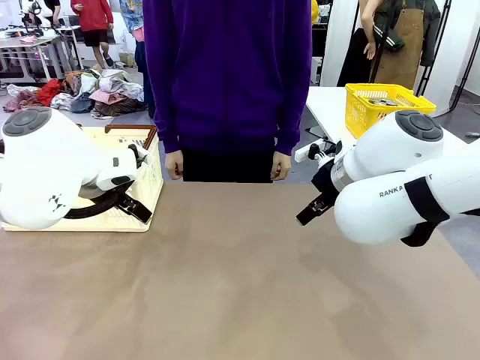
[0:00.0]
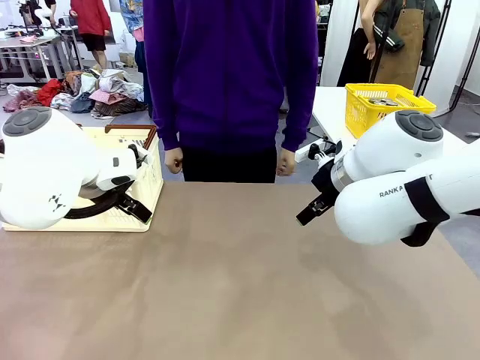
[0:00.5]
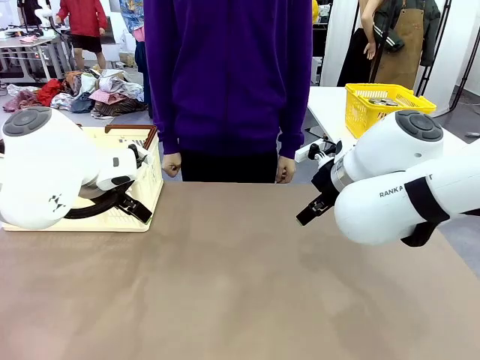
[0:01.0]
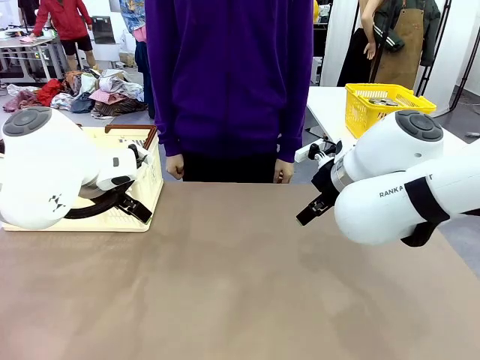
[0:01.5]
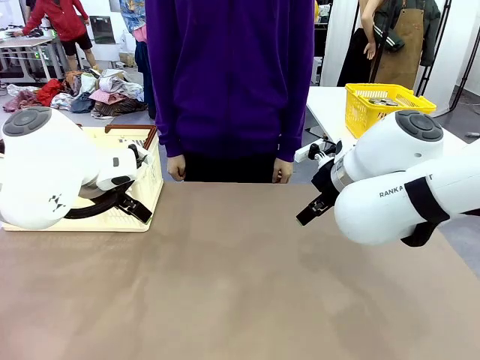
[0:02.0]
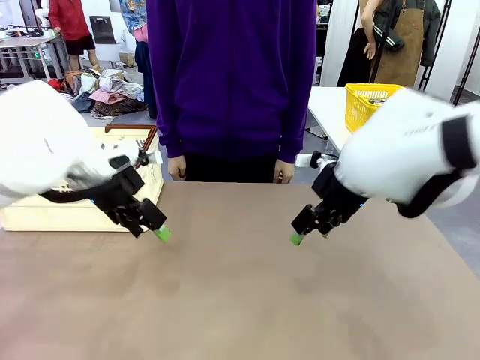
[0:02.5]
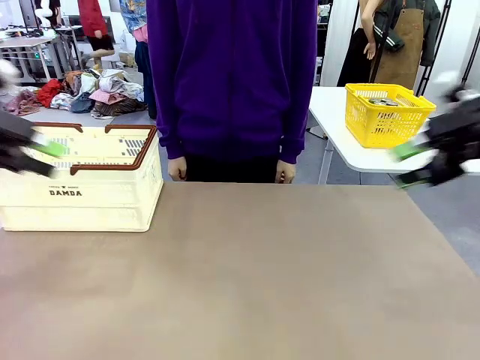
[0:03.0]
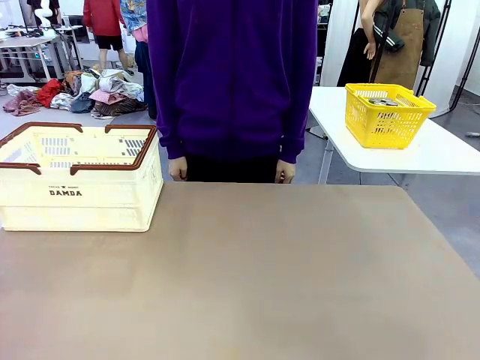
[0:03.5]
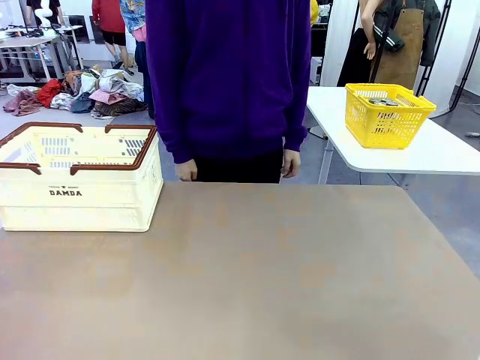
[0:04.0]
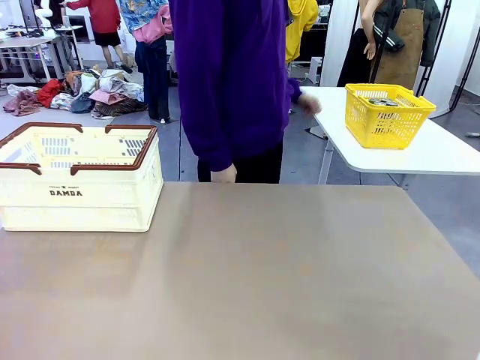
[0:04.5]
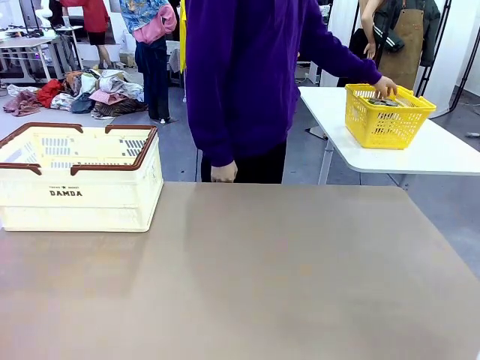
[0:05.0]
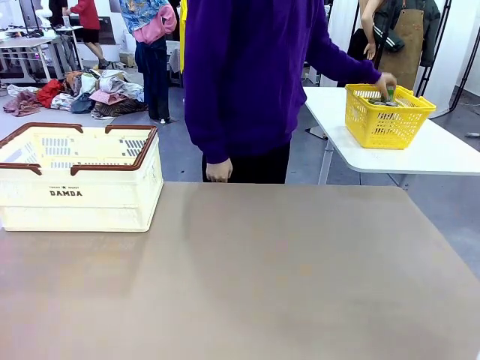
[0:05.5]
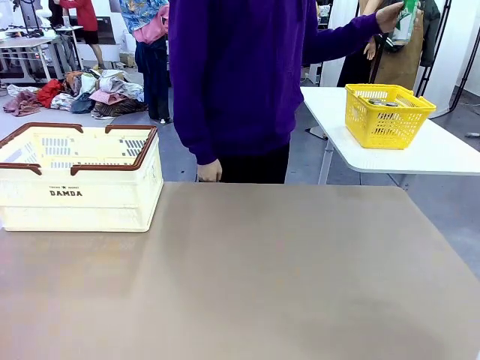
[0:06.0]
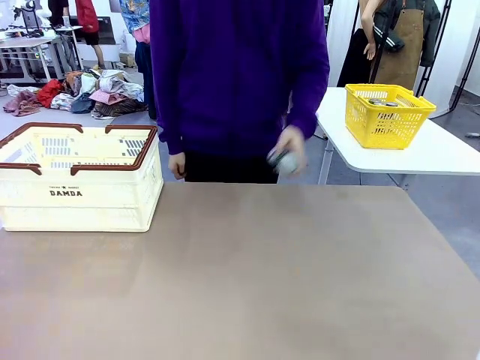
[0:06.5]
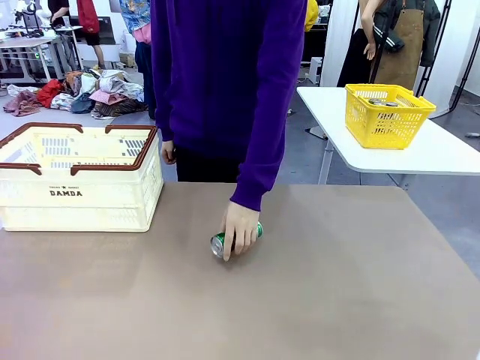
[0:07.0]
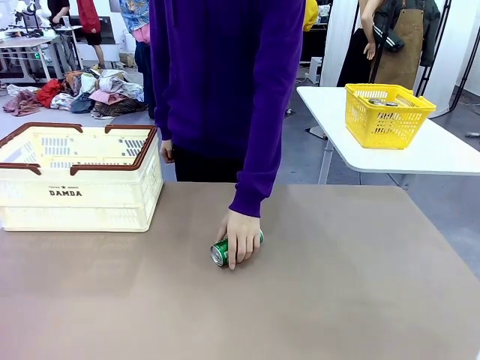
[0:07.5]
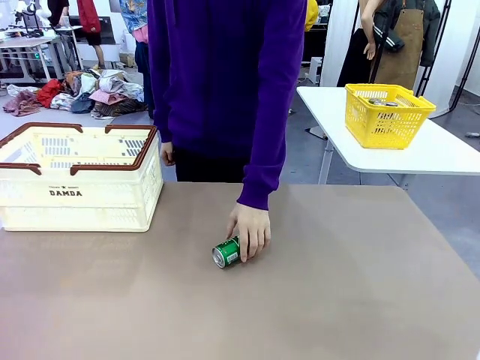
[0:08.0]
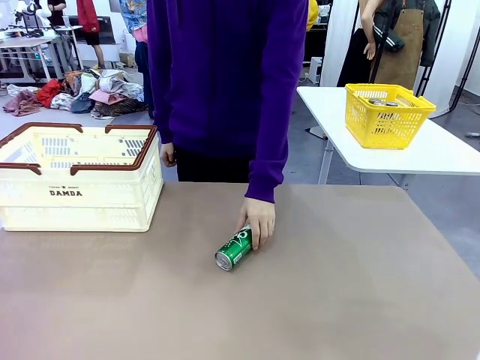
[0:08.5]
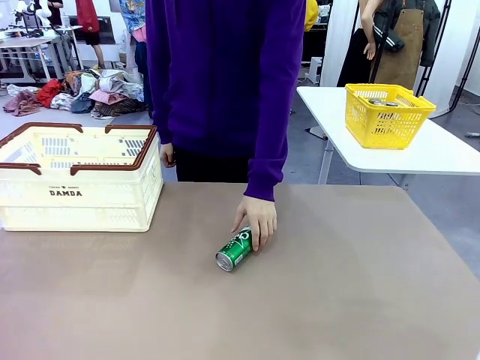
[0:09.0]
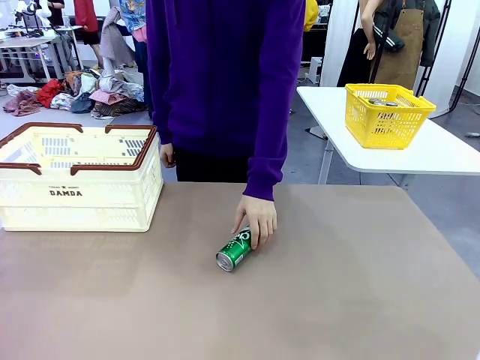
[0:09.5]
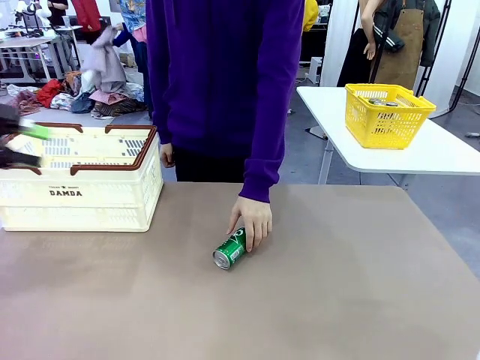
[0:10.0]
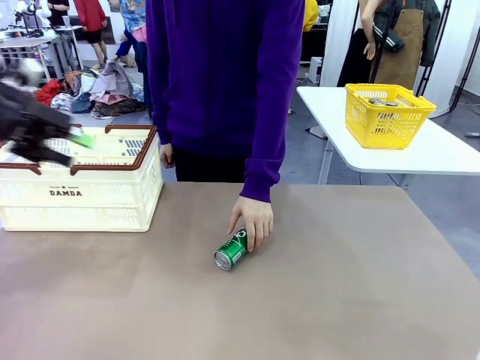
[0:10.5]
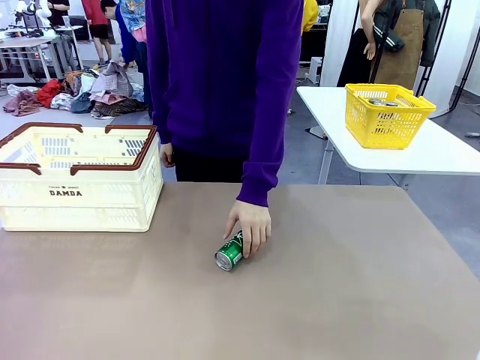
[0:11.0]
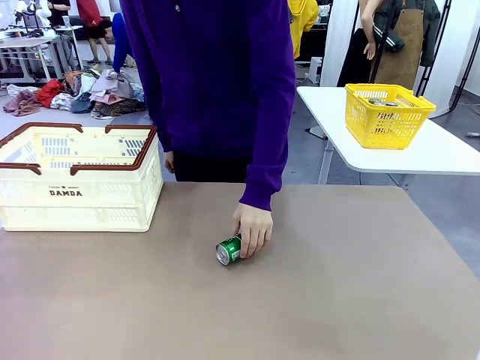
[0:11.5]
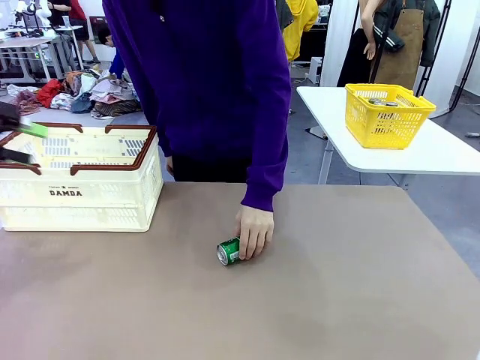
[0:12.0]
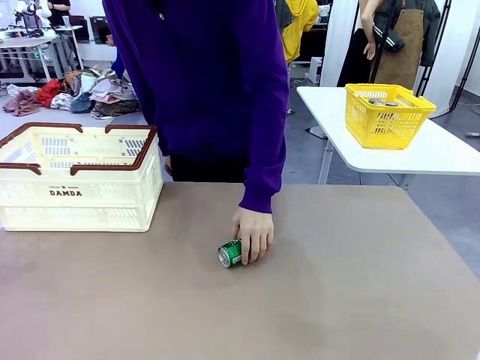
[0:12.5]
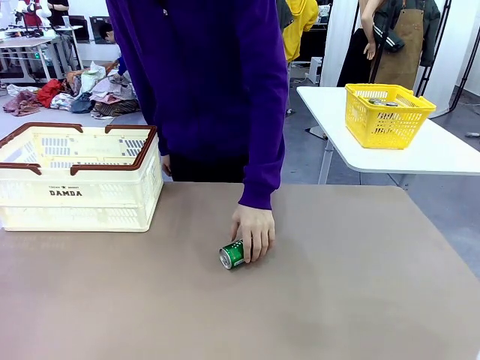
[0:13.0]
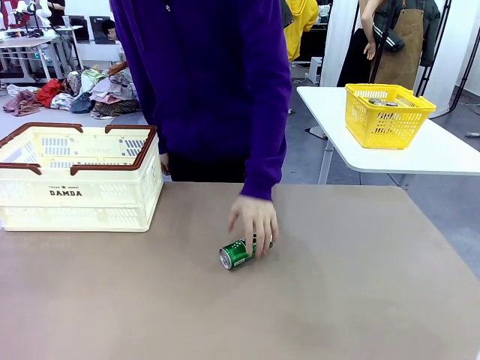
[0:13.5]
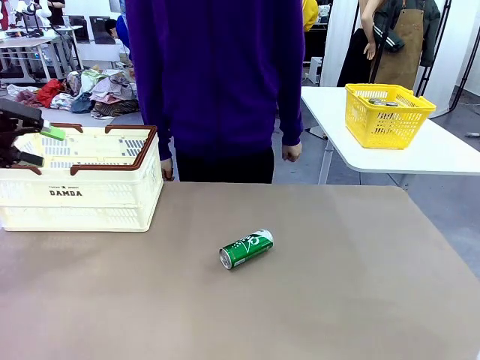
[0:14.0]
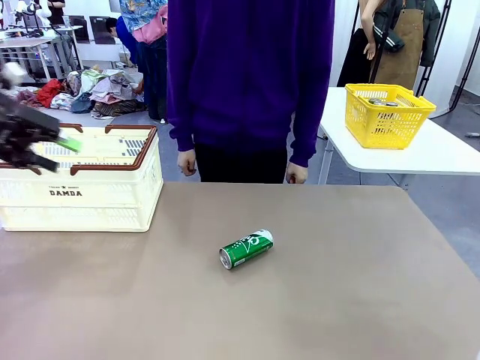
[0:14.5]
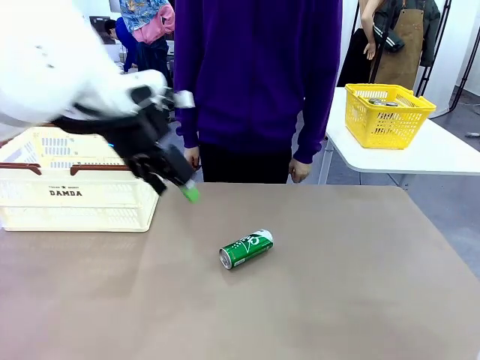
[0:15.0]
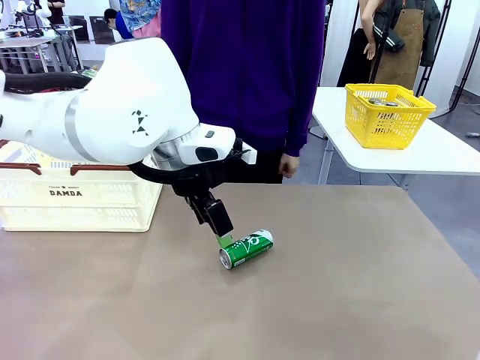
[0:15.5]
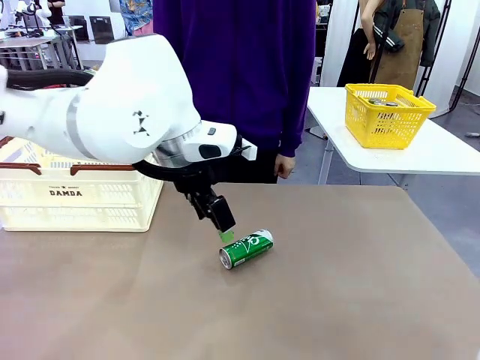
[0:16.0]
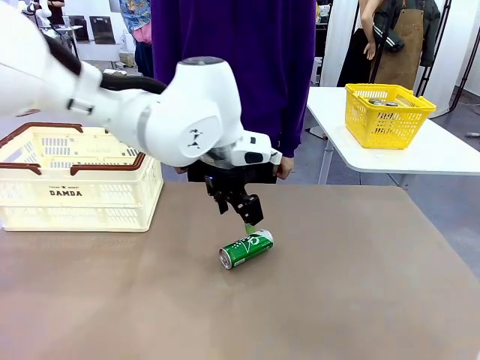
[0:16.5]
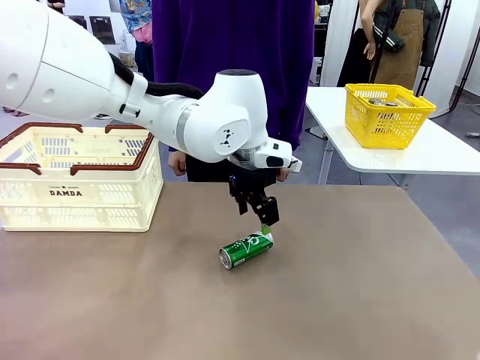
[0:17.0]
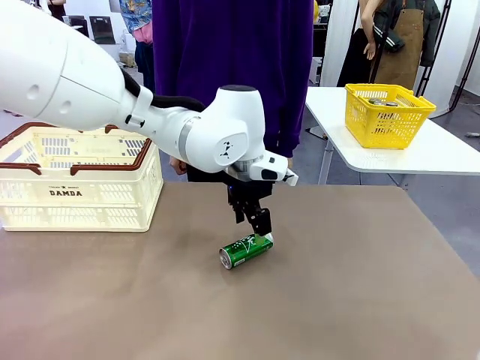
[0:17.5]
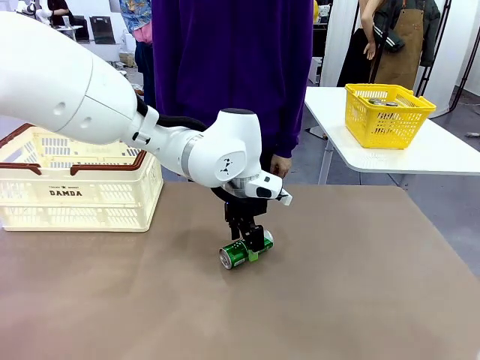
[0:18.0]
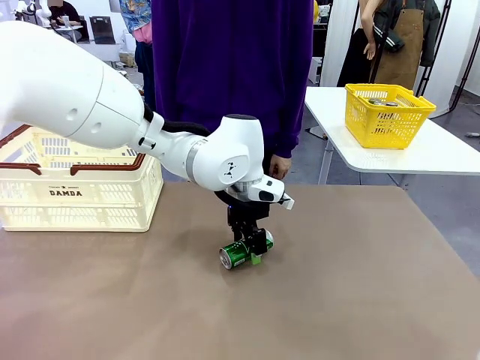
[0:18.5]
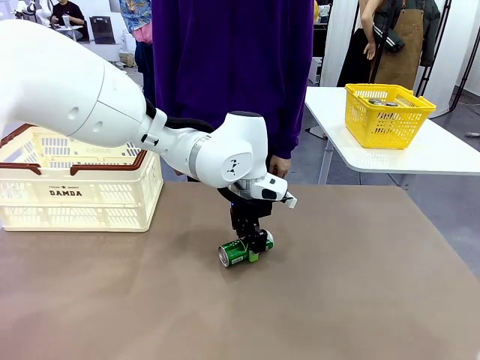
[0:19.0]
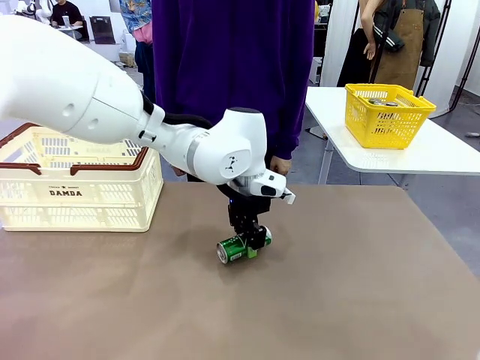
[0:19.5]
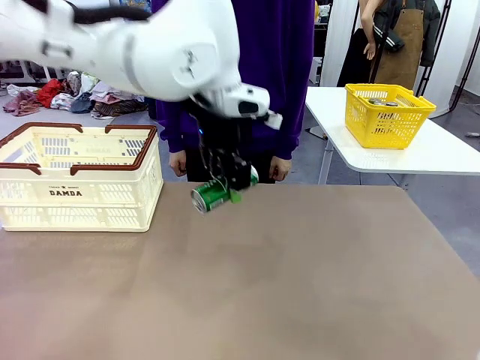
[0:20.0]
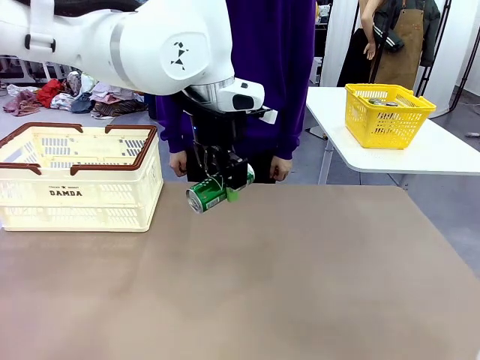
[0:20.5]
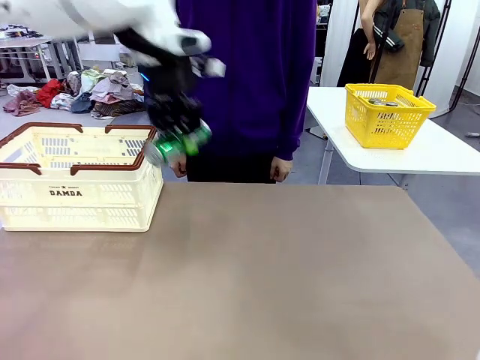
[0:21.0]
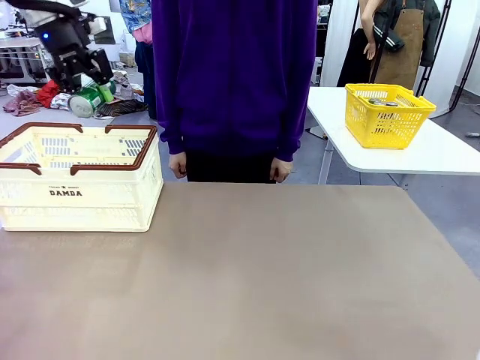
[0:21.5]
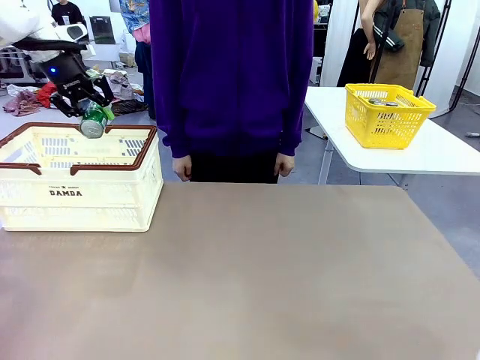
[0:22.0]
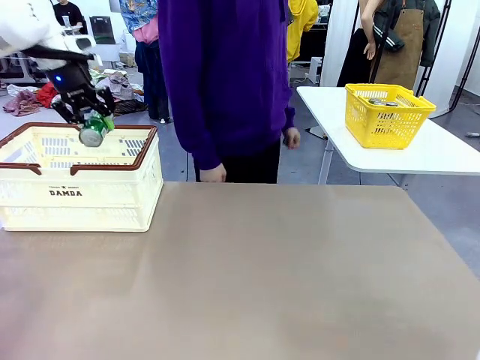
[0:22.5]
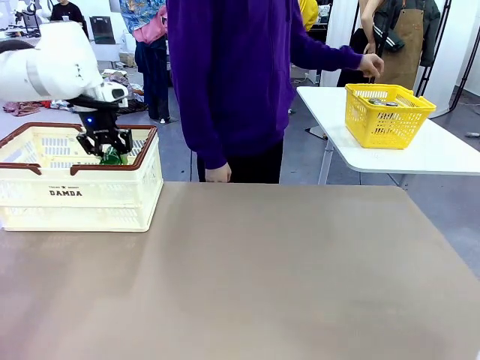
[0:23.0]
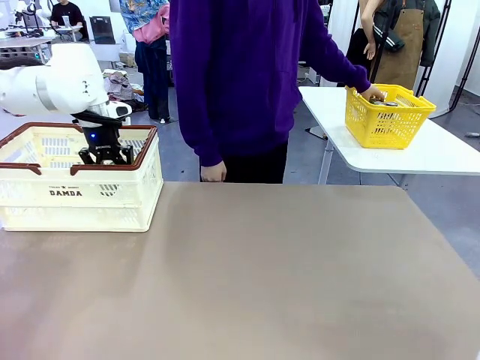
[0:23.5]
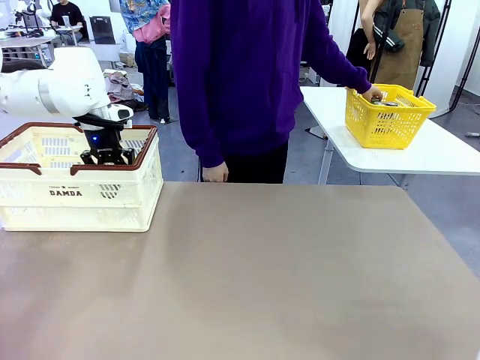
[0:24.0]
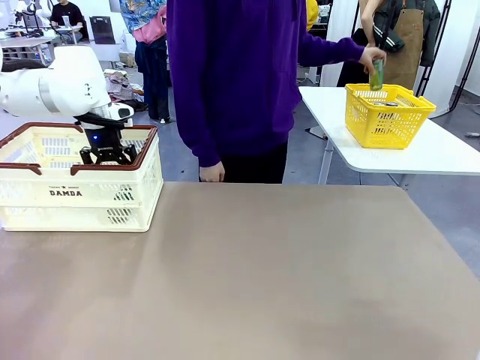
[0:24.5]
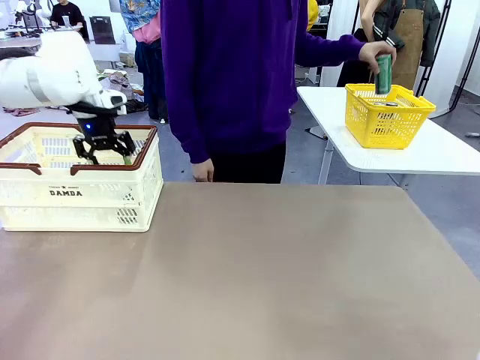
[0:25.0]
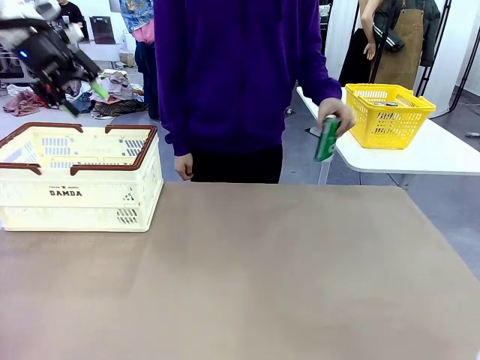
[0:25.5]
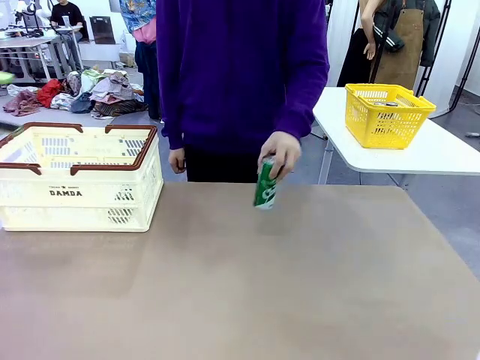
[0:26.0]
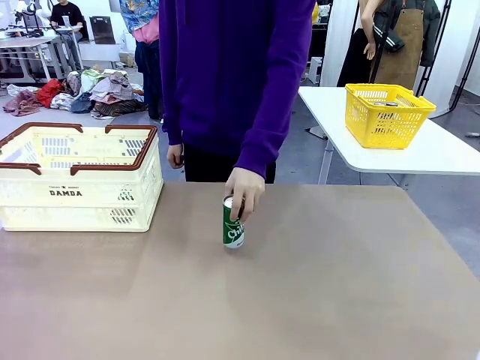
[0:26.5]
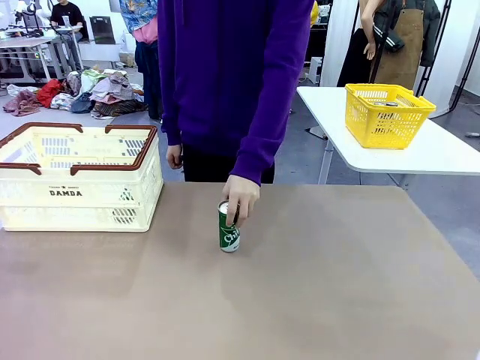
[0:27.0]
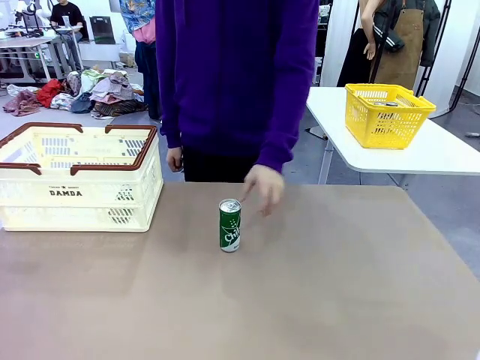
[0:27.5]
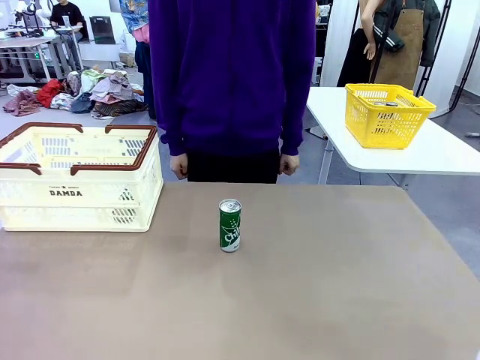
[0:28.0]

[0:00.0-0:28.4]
Task: Place the drinks into the Shopping basket.
Robot: Pick up one drink and place it into the Shopping basket.
